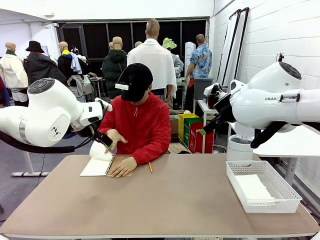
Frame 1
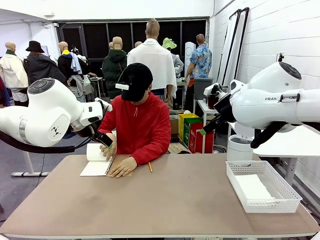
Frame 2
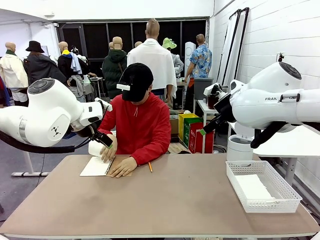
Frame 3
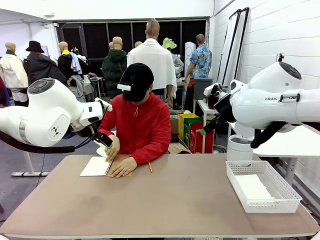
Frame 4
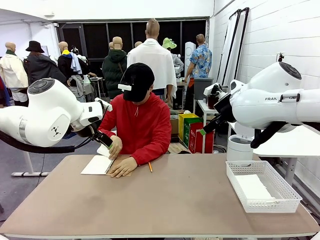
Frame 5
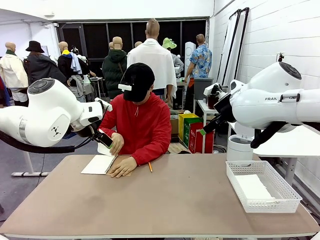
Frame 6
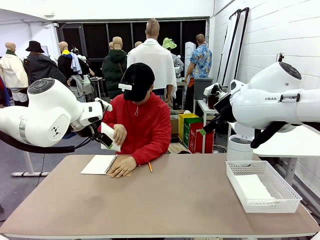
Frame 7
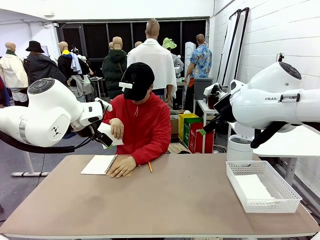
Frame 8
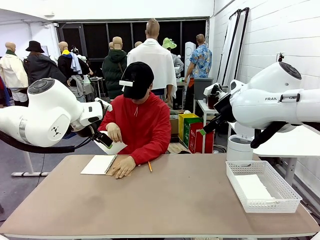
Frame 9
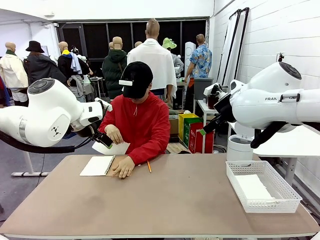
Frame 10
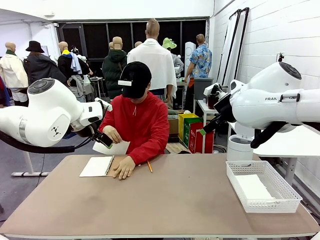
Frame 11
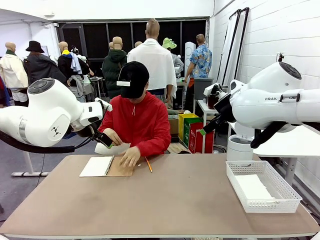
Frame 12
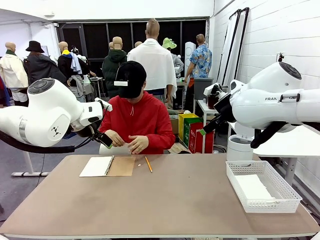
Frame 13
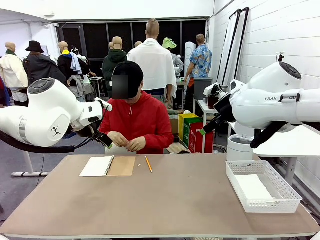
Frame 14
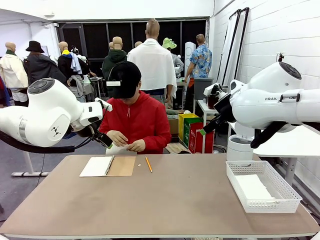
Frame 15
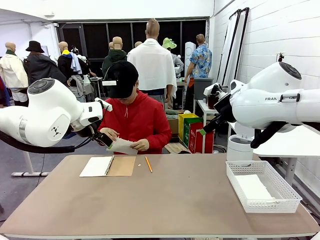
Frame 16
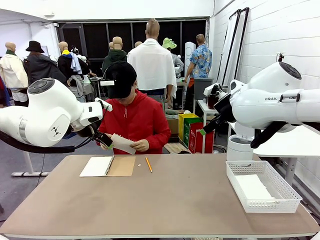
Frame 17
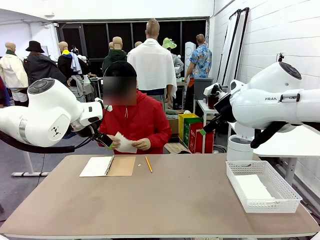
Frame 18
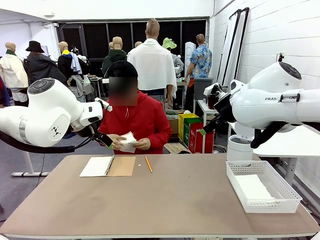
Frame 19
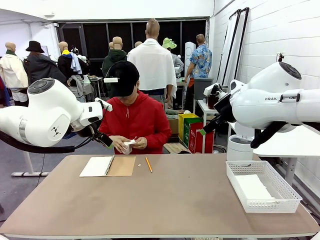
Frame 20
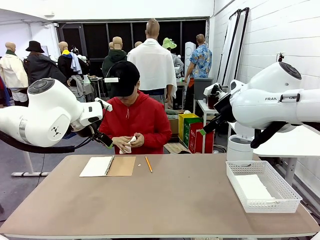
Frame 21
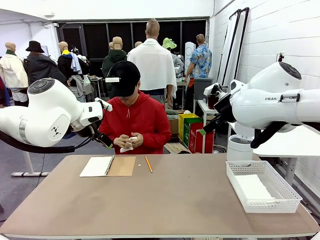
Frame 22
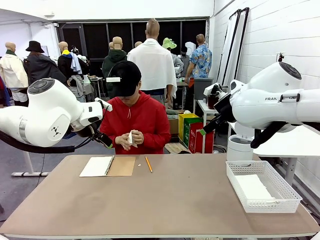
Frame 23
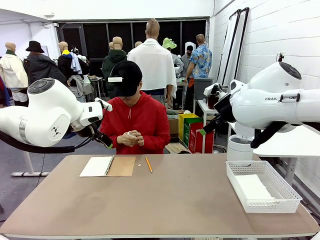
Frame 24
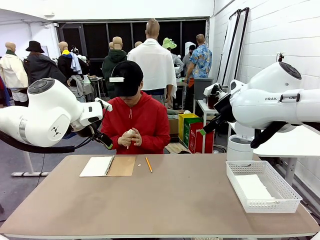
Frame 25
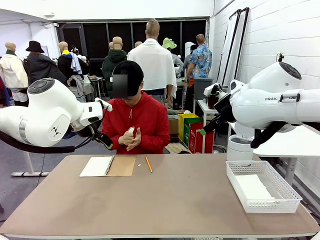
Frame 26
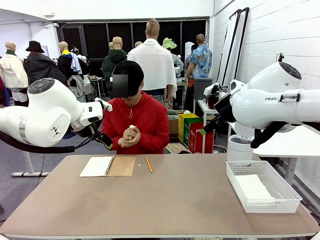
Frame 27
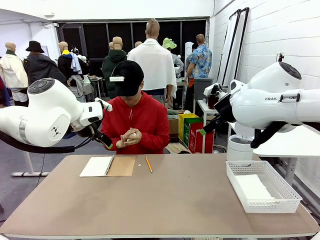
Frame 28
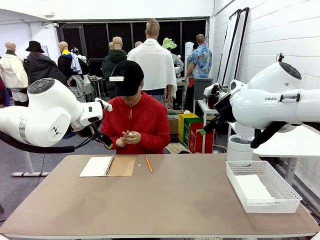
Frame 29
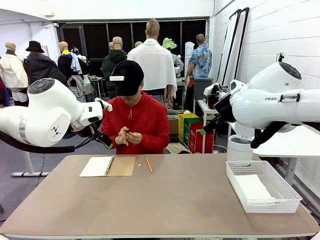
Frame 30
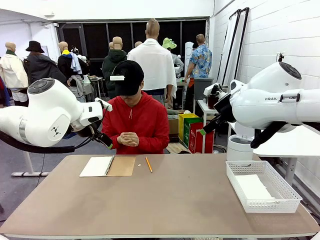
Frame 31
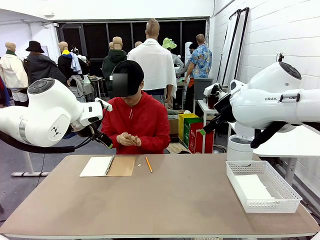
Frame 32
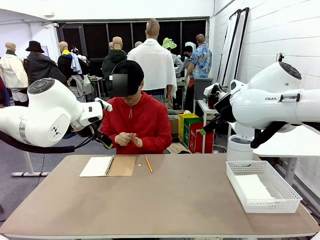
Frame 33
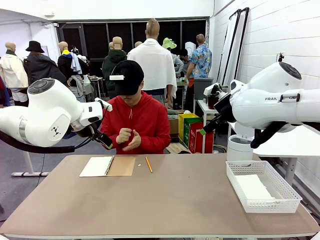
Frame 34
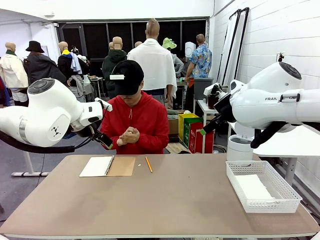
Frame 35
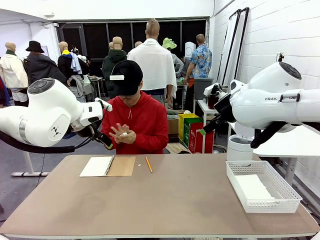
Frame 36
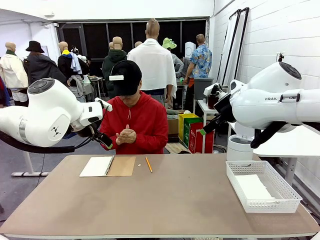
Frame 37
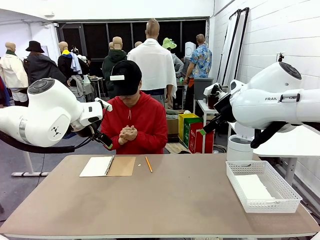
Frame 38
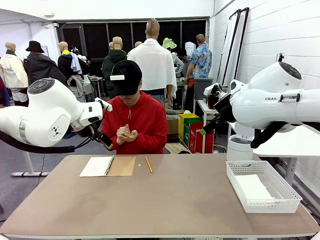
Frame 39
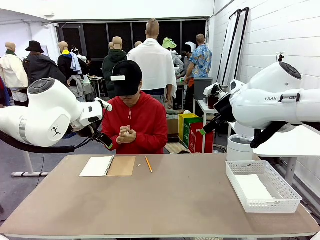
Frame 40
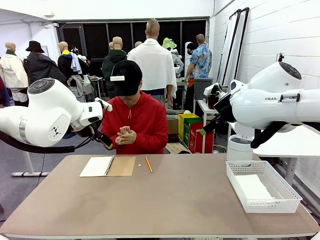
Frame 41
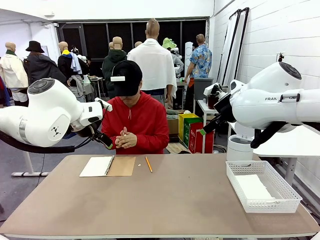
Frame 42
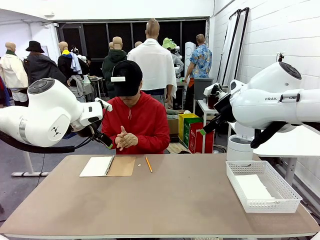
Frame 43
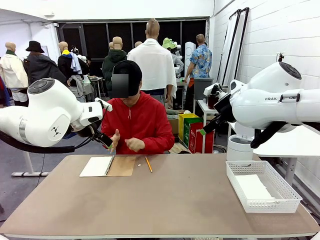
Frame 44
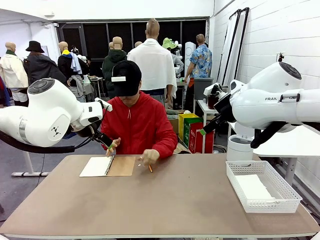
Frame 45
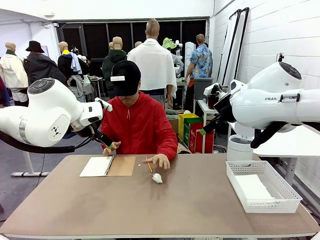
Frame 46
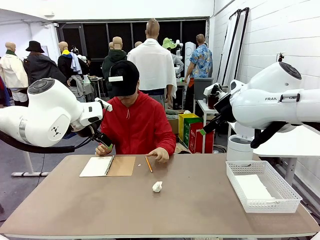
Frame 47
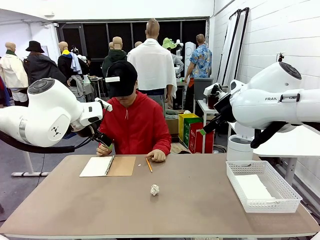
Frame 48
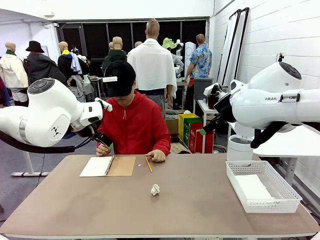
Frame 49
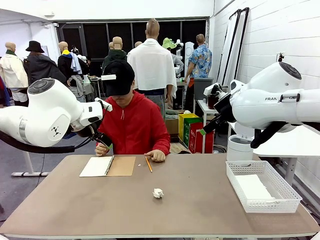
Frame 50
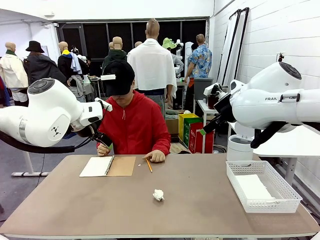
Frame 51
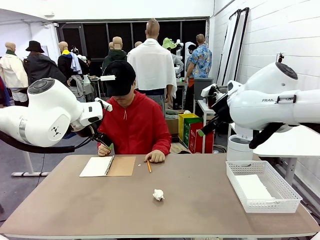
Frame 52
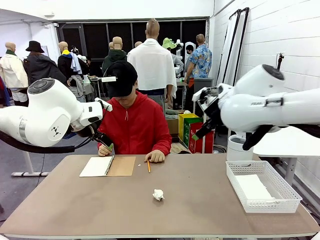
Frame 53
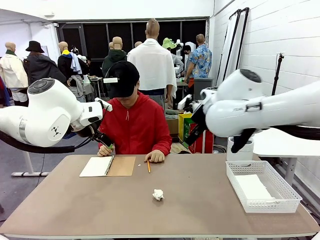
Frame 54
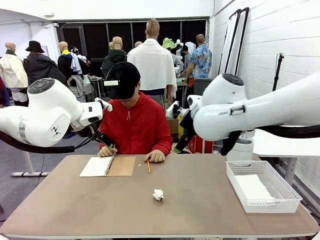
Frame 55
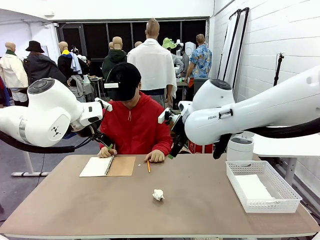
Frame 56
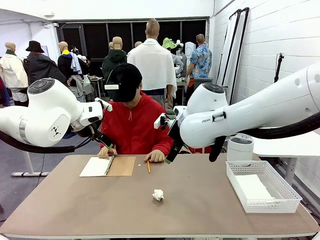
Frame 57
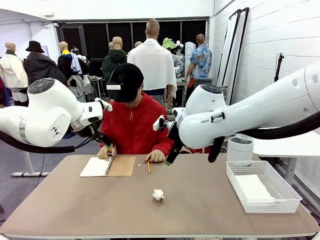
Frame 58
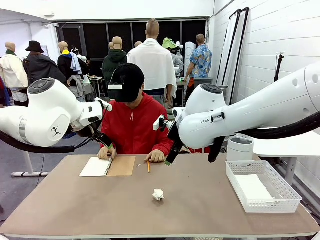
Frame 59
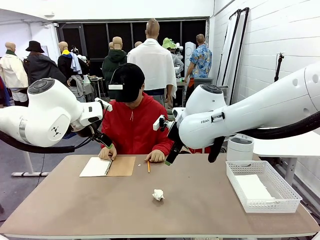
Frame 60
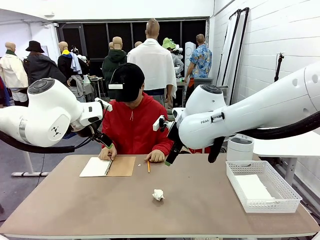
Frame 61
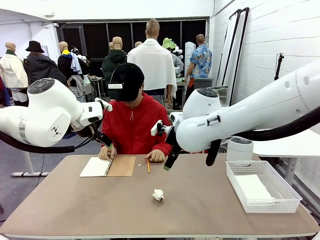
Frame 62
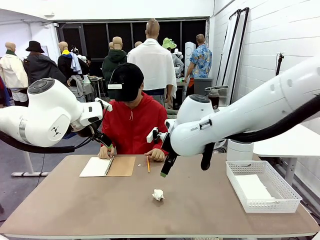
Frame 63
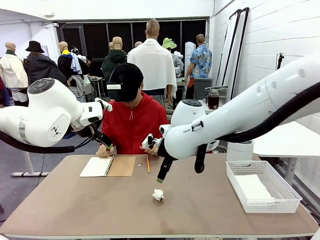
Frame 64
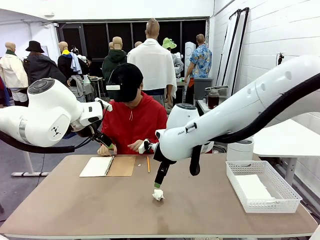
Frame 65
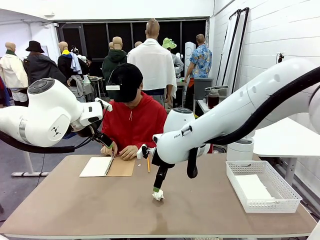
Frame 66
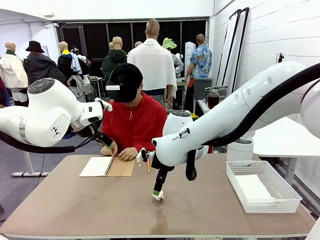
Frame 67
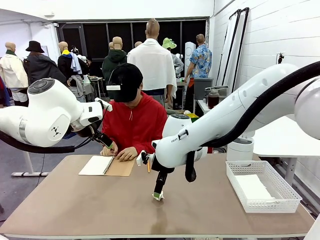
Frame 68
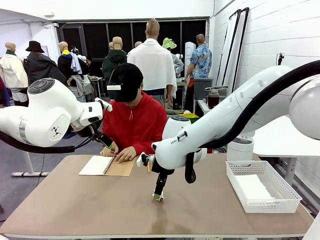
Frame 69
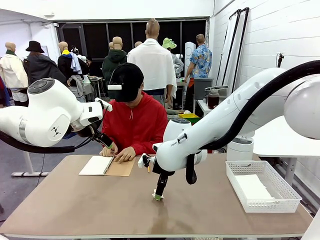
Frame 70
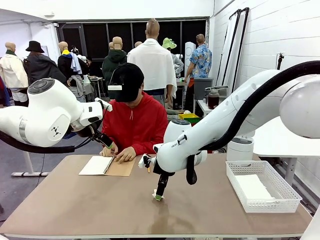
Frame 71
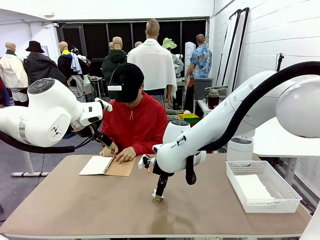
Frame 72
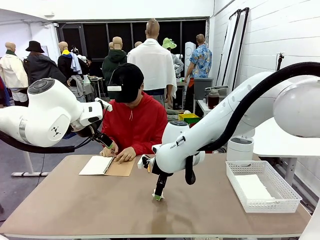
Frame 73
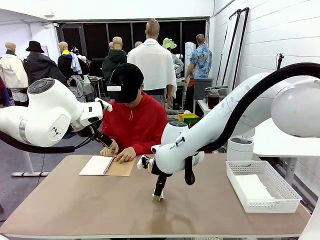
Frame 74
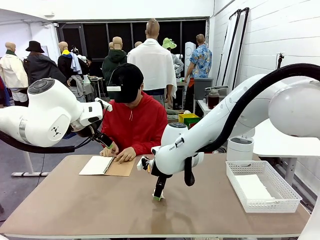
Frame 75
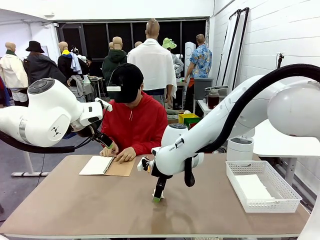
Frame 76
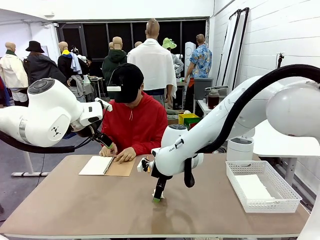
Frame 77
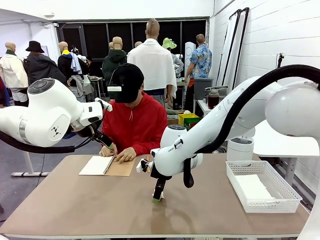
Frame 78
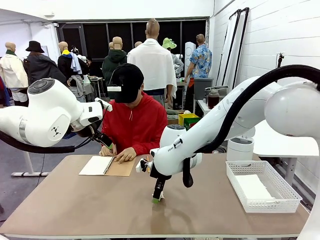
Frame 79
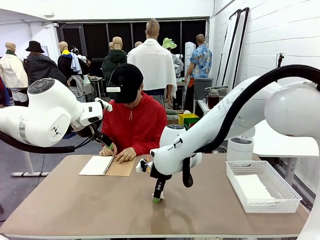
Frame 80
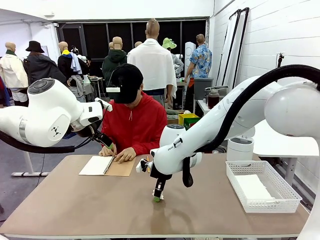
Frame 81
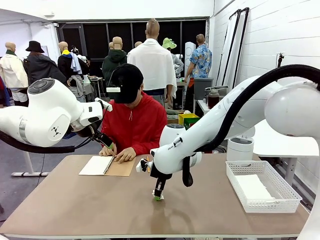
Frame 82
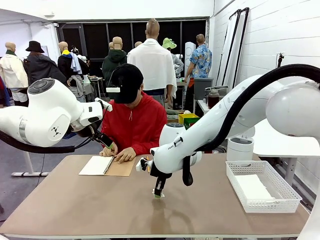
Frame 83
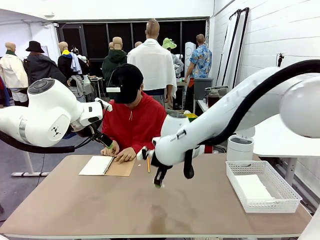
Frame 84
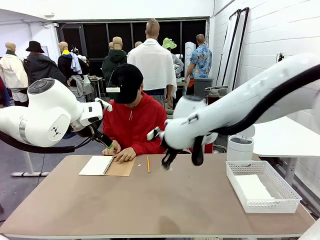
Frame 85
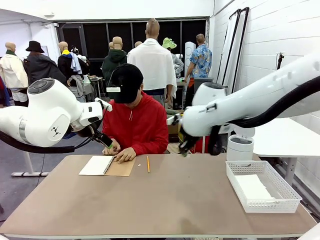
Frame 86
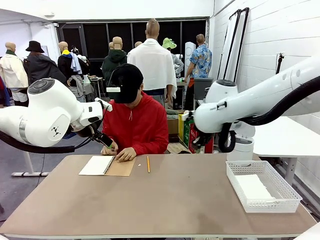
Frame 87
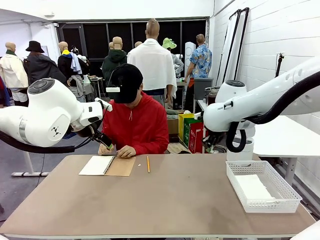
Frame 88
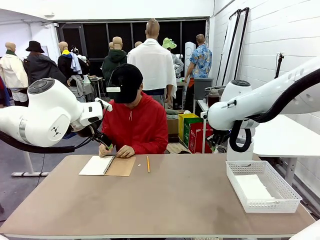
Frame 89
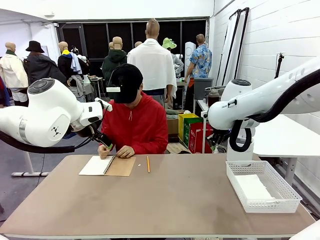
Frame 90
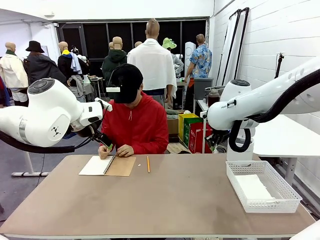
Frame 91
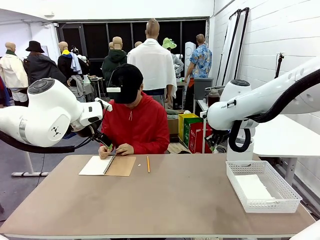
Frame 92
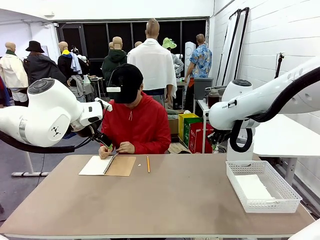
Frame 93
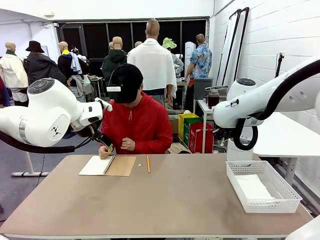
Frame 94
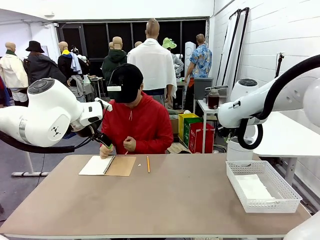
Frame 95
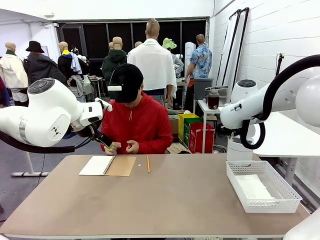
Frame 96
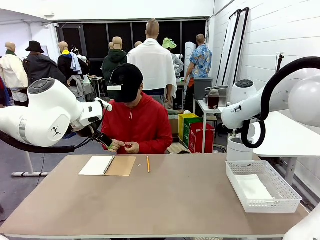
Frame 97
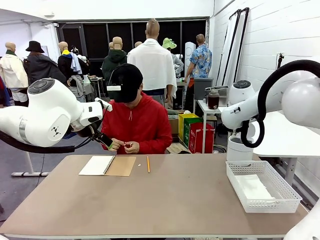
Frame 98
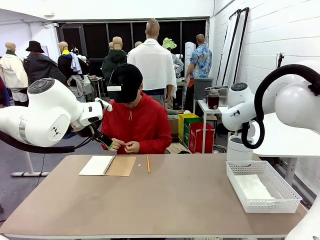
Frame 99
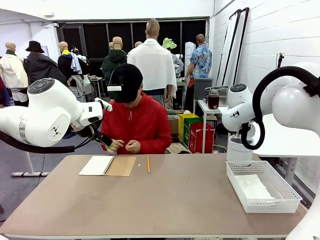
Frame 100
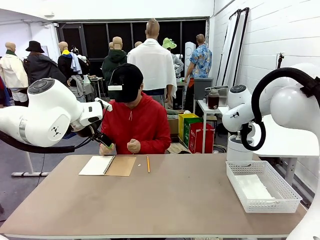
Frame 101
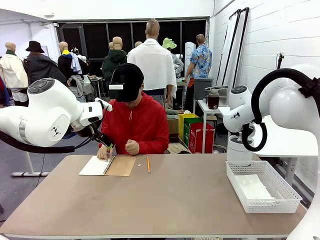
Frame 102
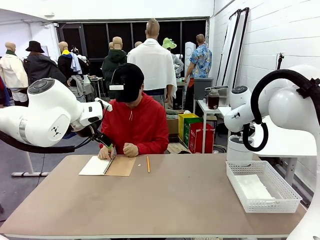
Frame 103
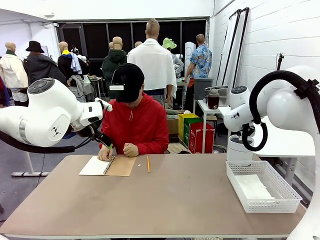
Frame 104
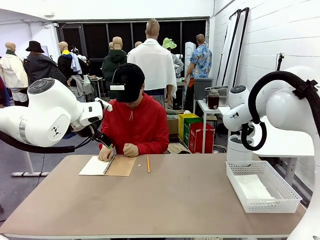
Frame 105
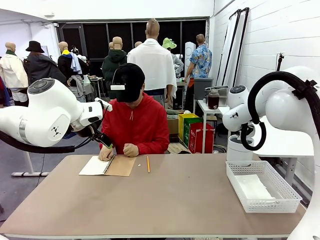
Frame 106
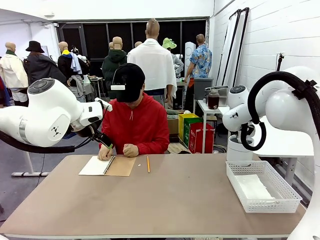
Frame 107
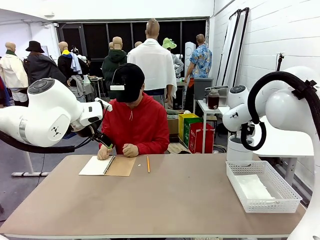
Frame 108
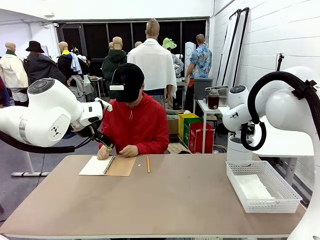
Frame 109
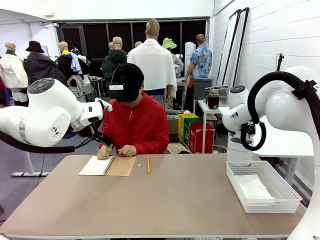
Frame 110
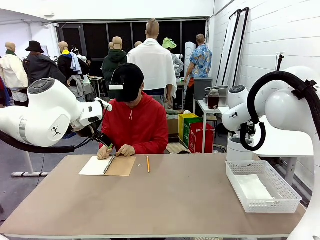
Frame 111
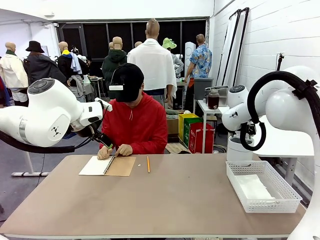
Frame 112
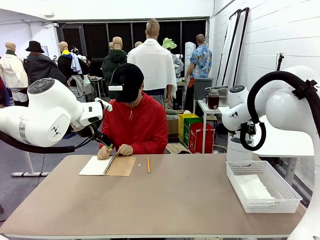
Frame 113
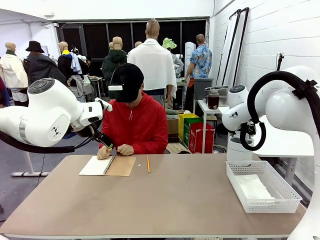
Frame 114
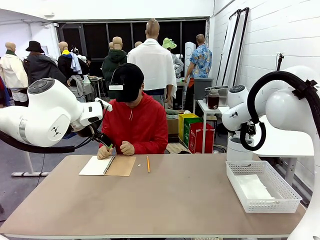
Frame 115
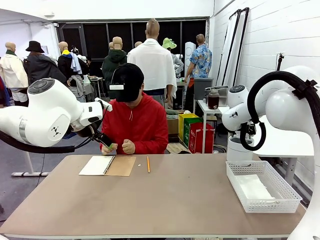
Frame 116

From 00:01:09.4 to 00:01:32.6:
Task: Sort the paper based on its condition.
Robot: If a person hands you a paper, place it in the Organizing basket , and if it's crumpled, put it in the Trash can.
Person: Hand the torn page to the robot or crumple it and throw it to the center of the table.
